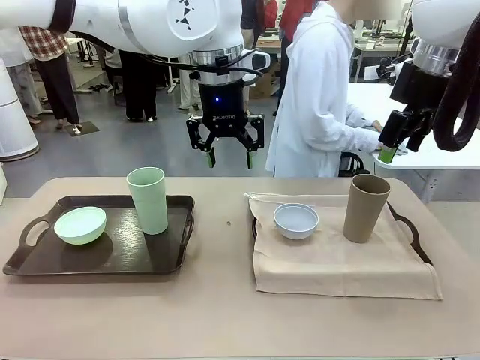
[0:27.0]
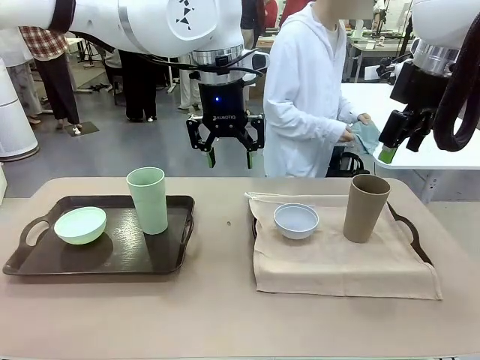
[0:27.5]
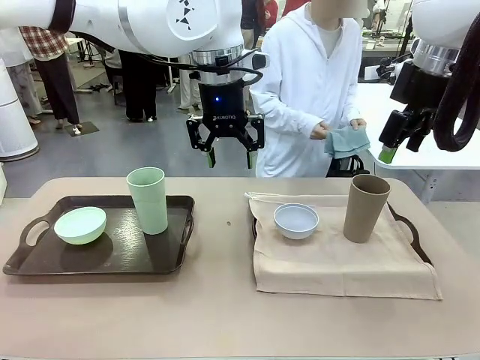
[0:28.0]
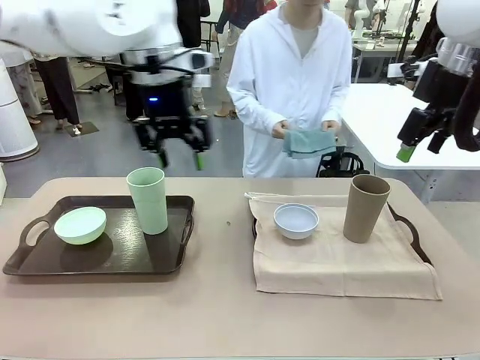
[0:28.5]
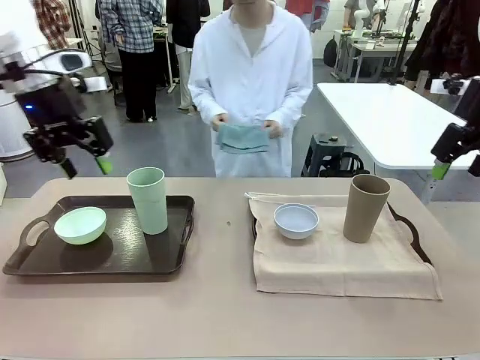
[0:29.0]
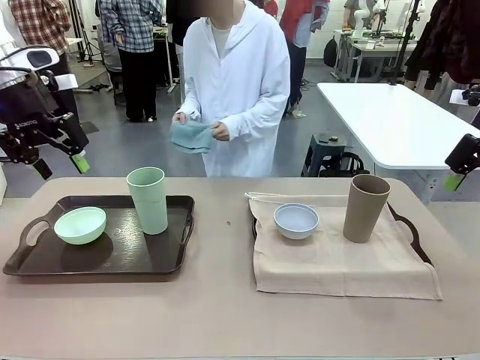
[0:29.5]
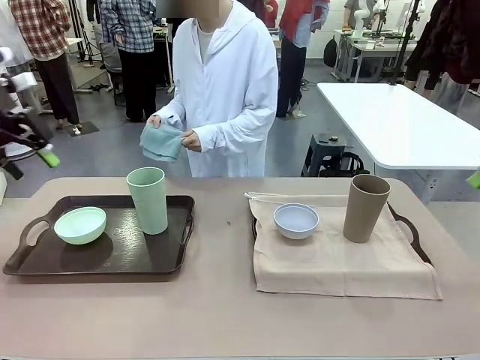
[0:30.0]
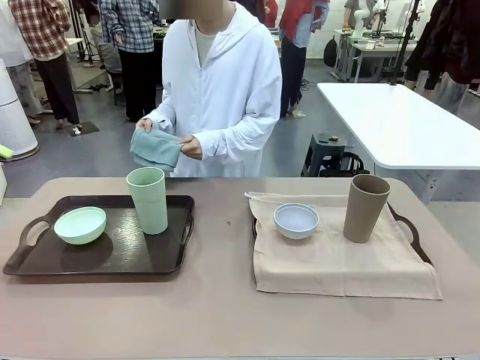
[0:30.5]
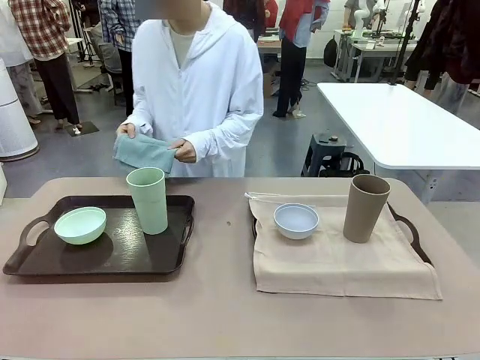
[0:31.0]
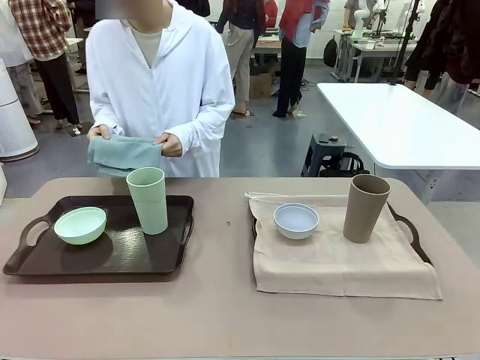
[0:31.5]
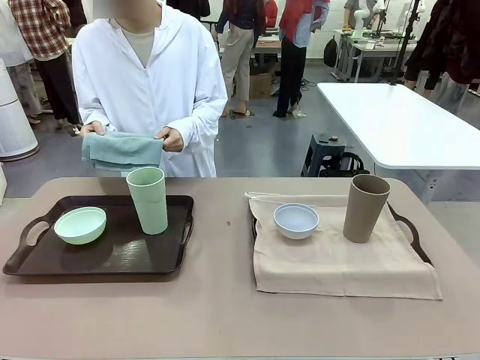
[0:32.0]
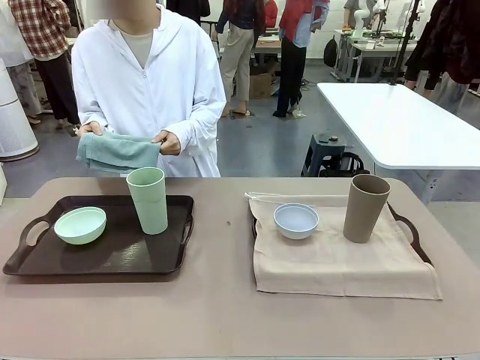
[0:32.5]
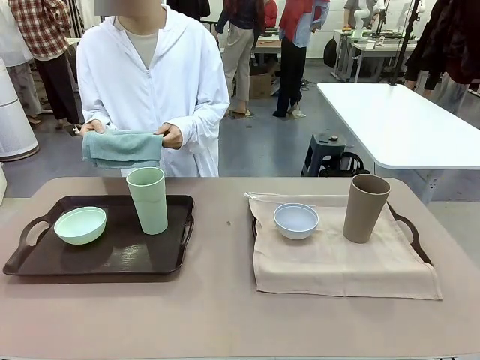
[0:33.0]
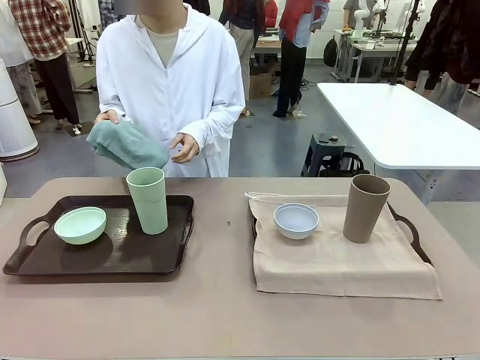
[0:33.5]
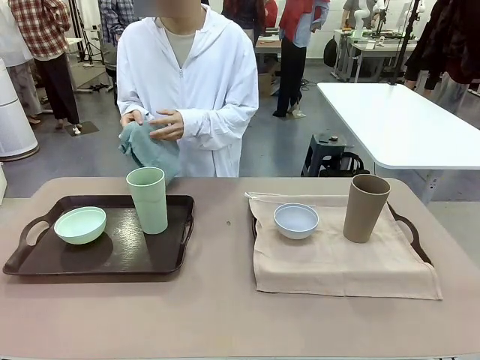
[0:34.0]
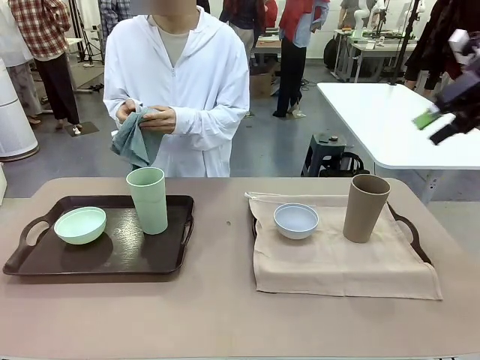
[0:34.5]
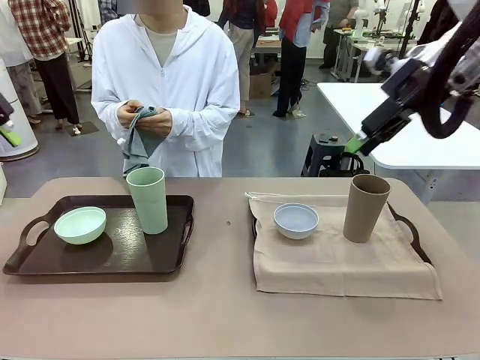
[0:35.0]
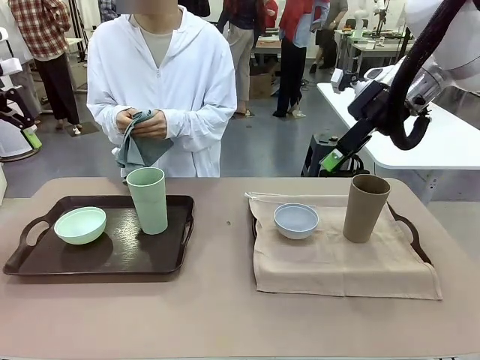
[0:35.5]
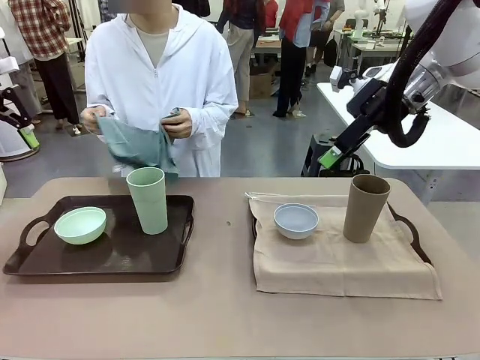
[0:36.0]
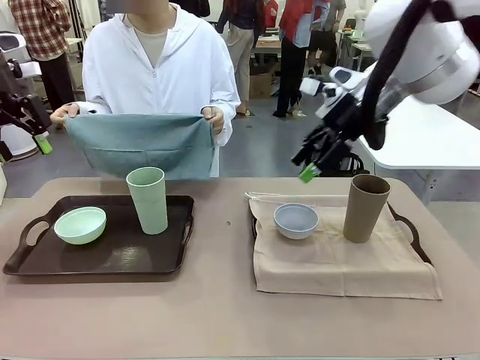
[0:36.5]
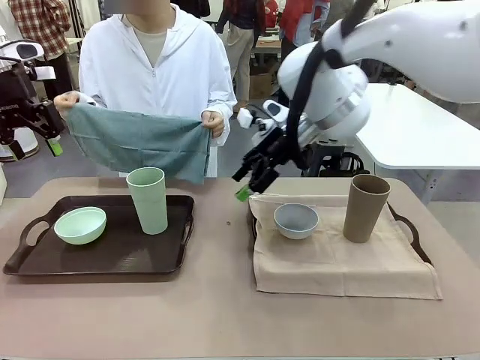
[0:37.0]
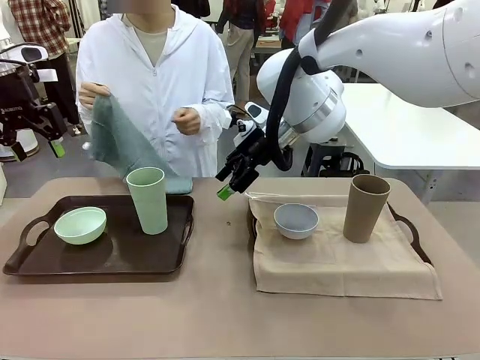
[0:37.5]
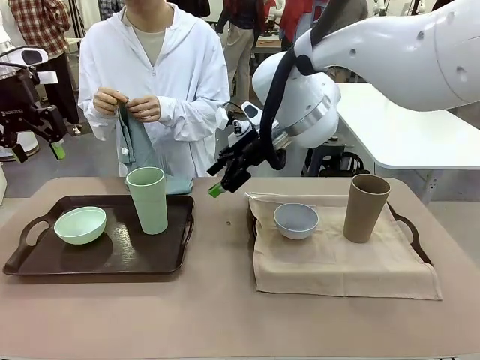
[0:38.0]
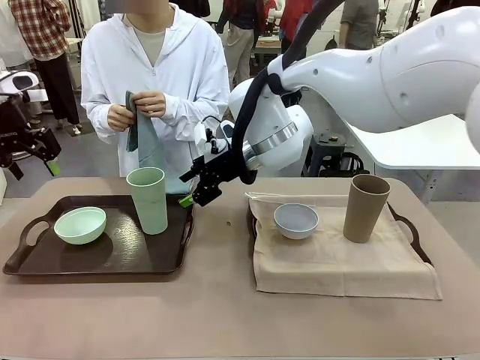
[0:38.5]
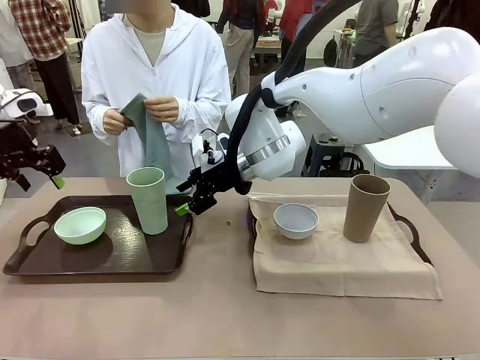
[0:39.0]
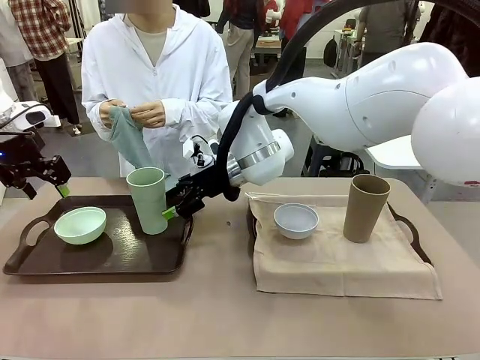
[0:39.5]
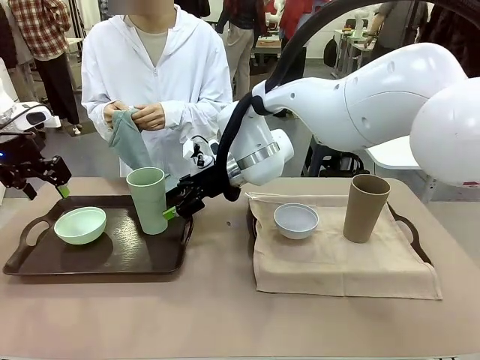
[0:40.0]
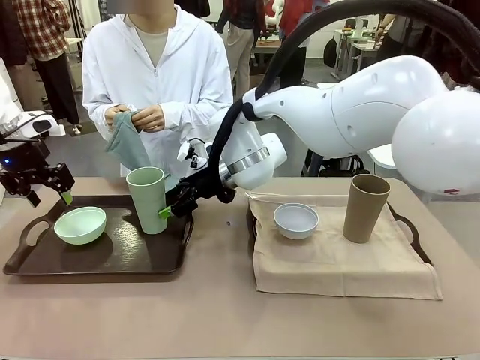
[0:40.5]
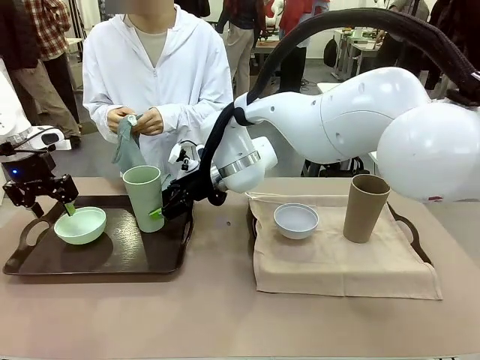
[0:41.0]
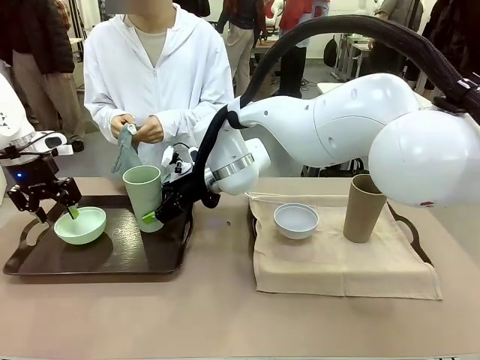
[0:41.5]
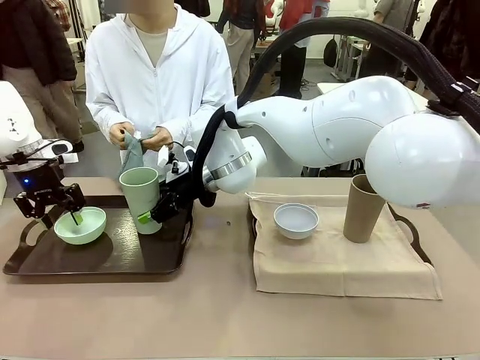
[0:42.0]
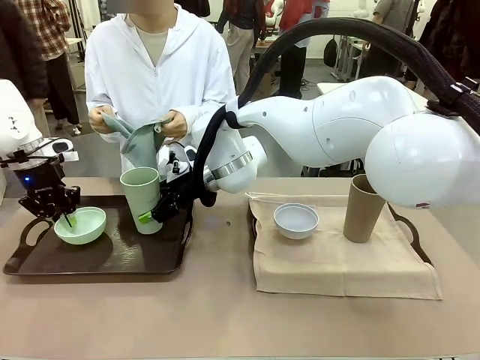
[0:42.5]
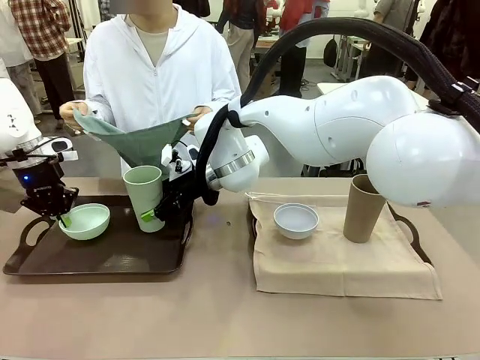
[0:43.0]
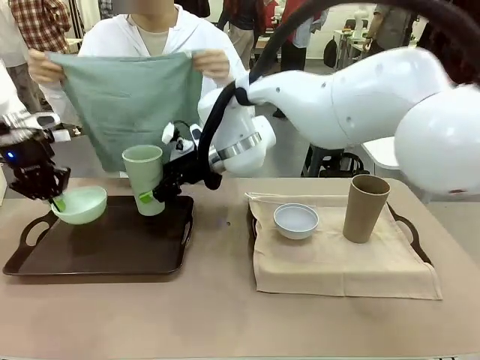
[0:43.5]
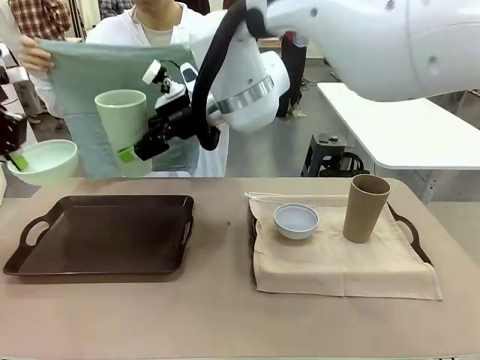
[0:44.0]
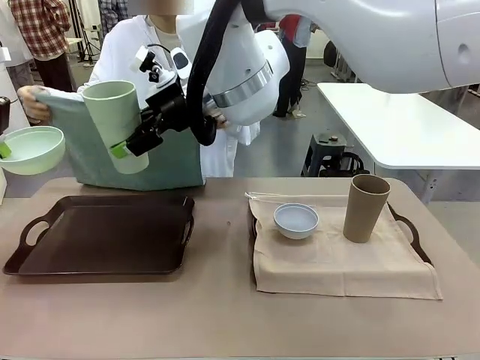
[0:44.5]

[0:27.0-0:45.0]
Robot: Pick up the Picnic Bowl and Reusable plastic cup from the Handle tray in front of the human's position and hold them in the air.

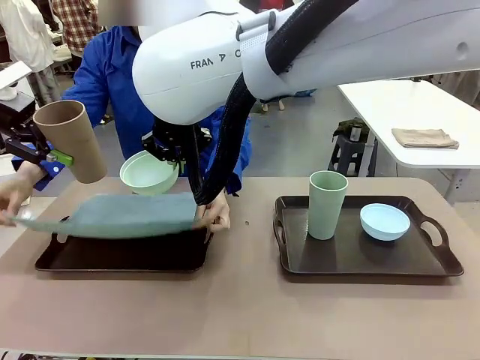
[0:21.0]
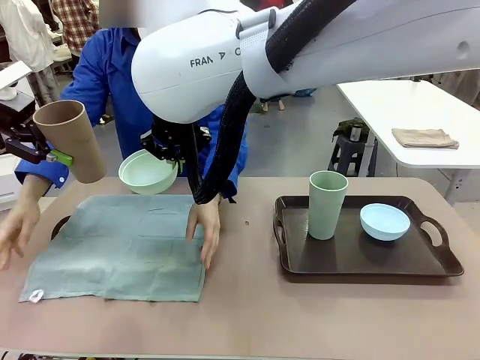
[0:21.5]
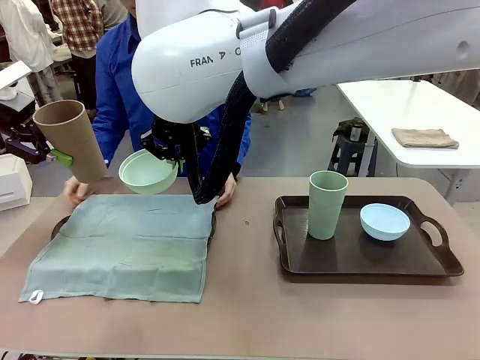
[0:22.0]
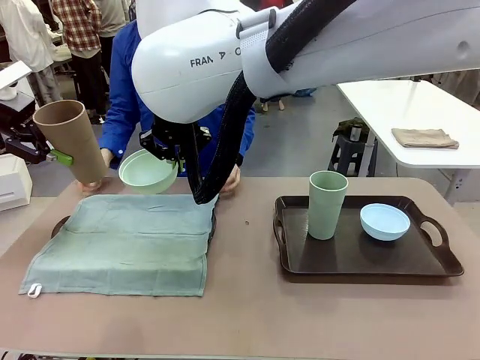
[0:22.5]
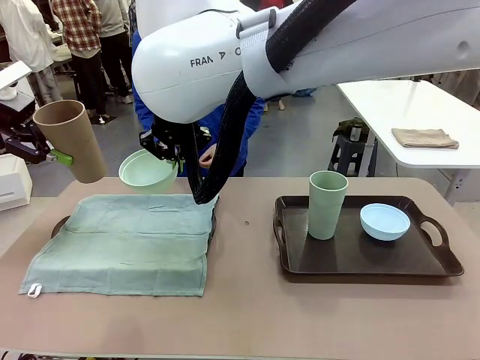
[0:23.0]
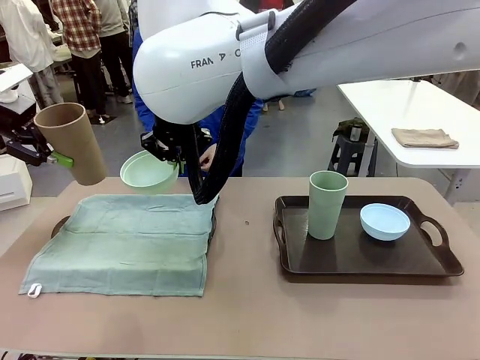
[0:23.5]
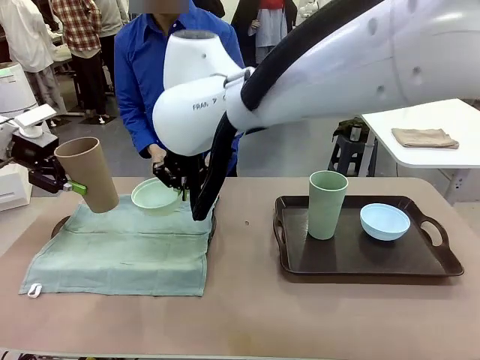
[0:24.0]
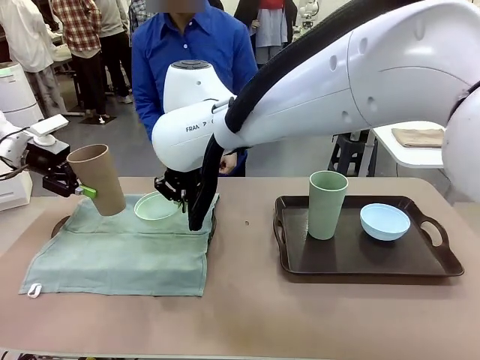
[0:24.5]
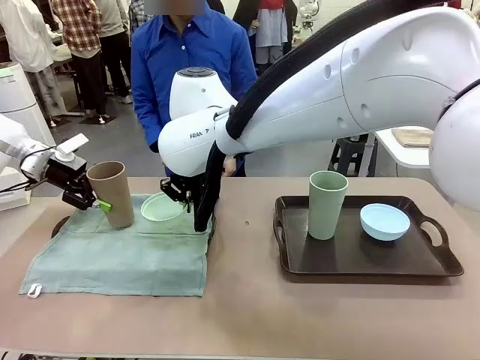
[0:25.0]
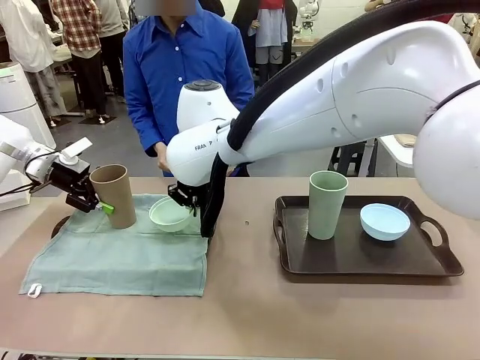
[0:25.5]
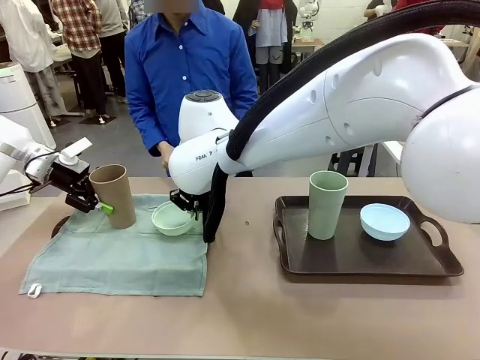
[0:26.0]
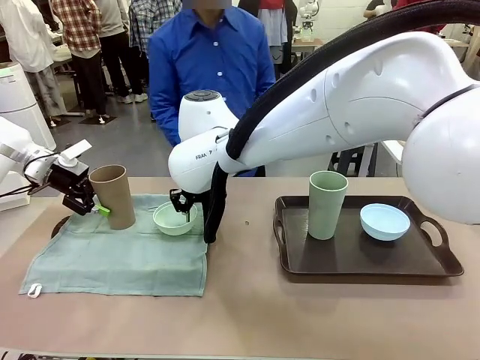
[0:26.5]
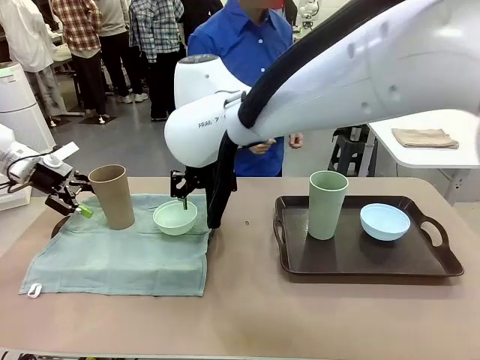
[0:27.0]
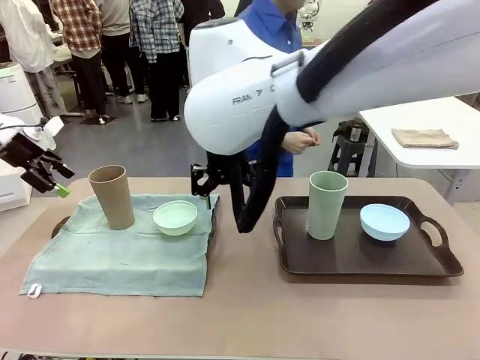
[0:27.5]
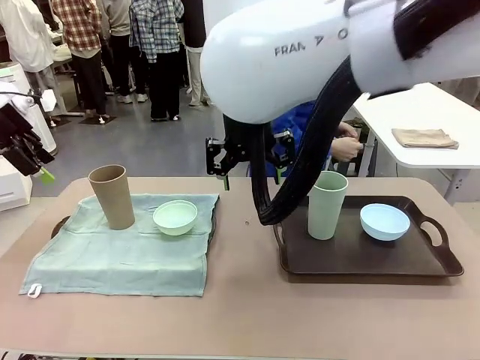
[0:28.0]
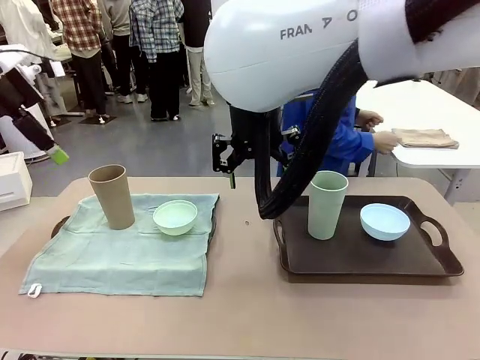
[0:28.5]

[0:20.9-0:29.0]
Robot: Place the Picnic Bowl and Reusable plastic cup back onto the Handle tray in front of the human's position.
